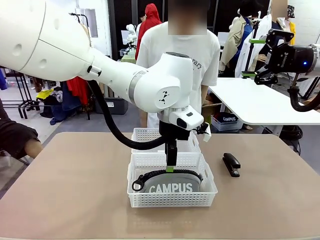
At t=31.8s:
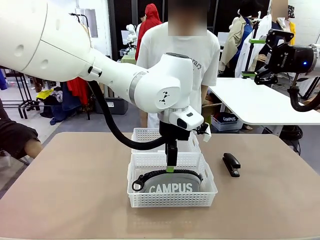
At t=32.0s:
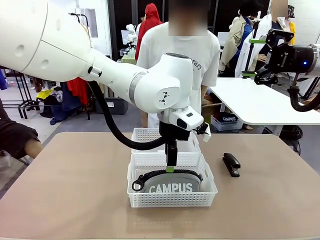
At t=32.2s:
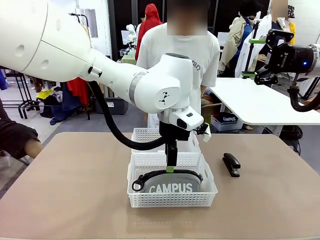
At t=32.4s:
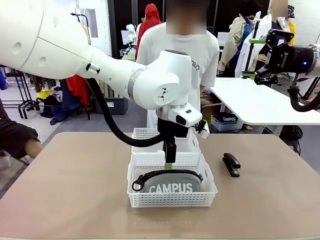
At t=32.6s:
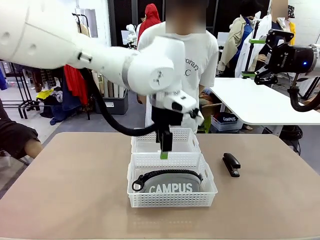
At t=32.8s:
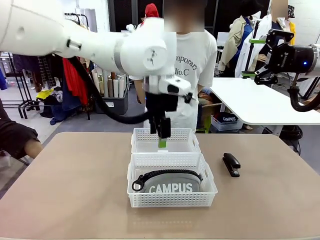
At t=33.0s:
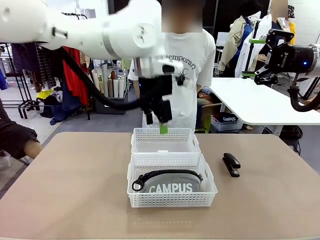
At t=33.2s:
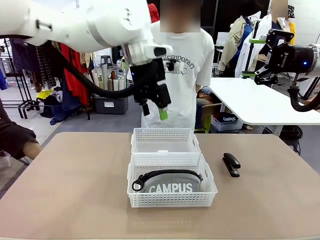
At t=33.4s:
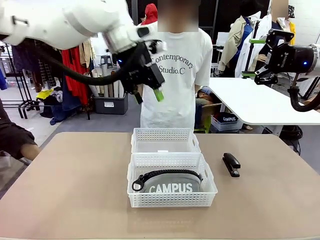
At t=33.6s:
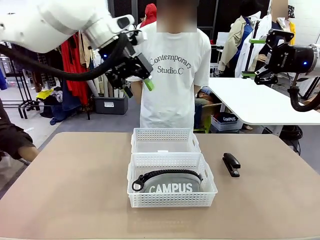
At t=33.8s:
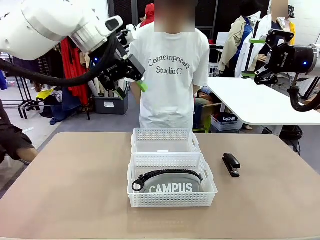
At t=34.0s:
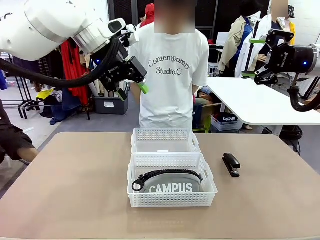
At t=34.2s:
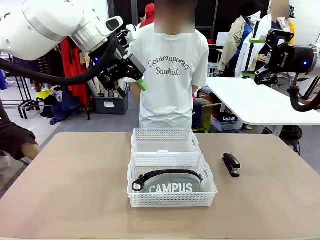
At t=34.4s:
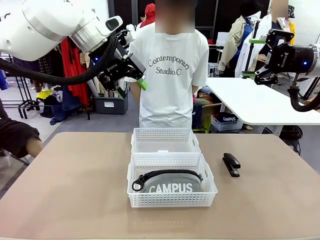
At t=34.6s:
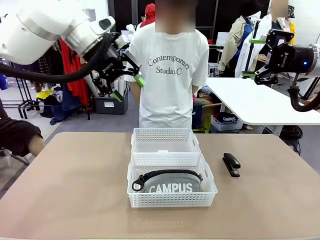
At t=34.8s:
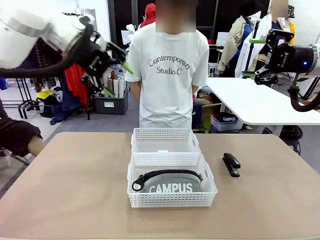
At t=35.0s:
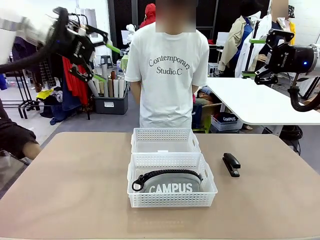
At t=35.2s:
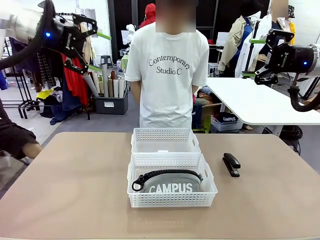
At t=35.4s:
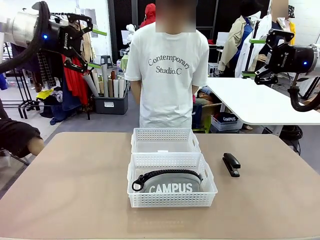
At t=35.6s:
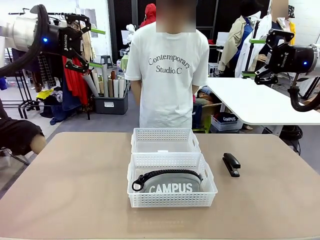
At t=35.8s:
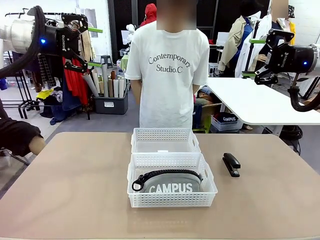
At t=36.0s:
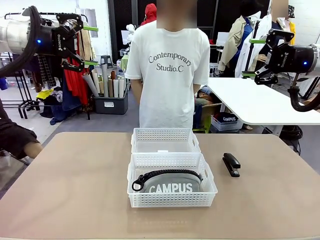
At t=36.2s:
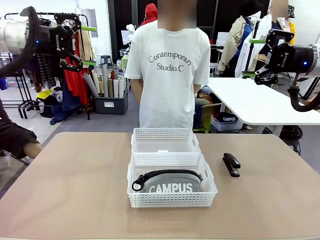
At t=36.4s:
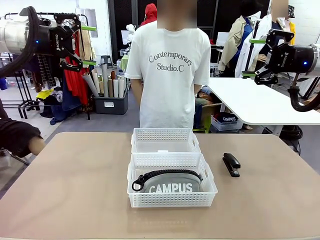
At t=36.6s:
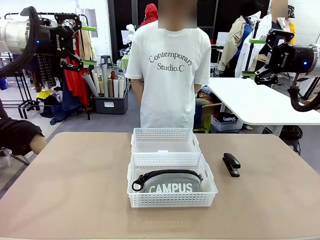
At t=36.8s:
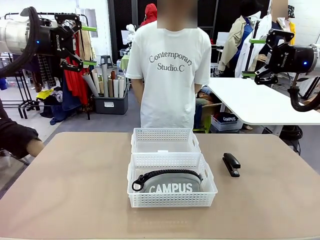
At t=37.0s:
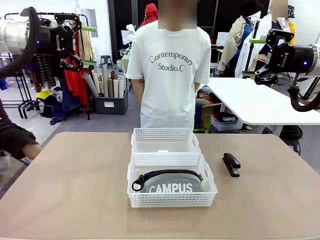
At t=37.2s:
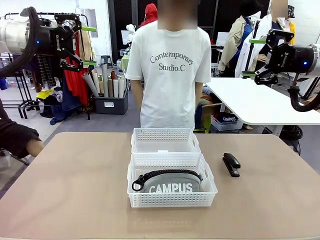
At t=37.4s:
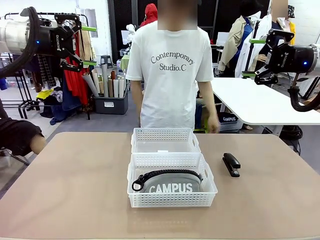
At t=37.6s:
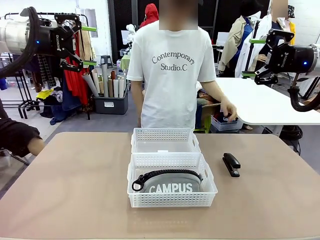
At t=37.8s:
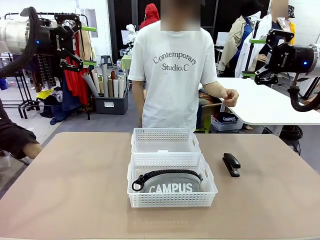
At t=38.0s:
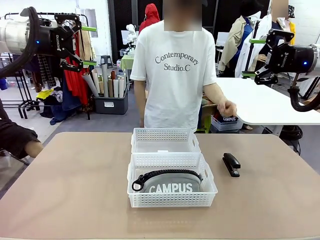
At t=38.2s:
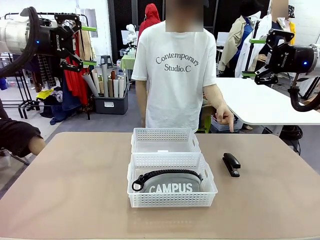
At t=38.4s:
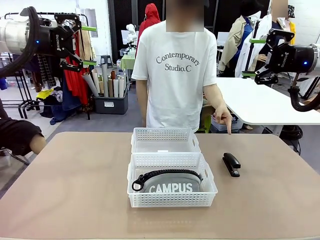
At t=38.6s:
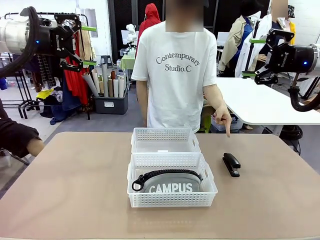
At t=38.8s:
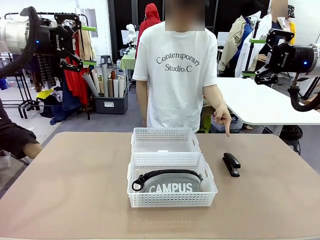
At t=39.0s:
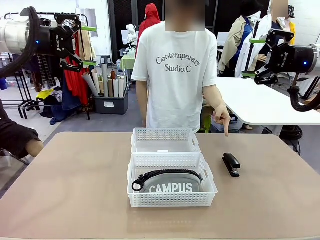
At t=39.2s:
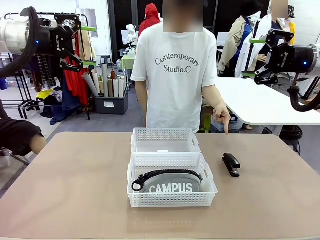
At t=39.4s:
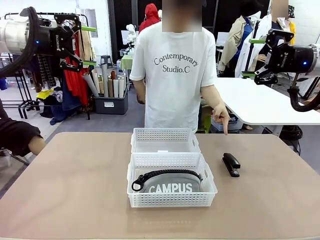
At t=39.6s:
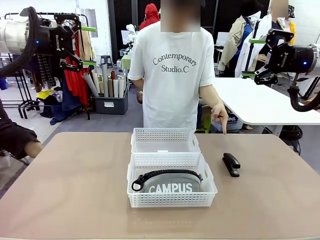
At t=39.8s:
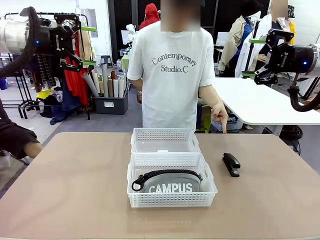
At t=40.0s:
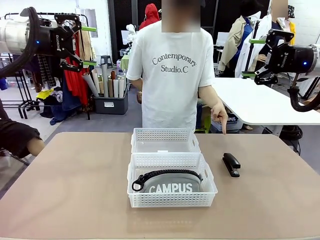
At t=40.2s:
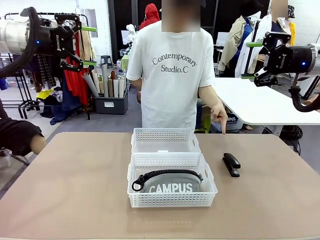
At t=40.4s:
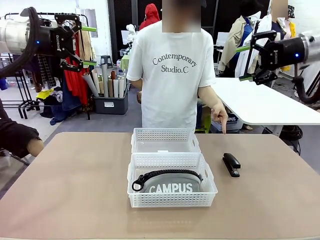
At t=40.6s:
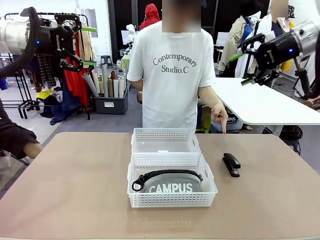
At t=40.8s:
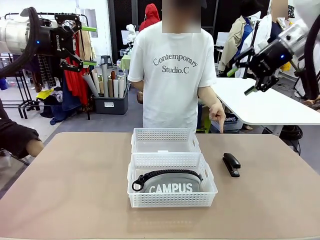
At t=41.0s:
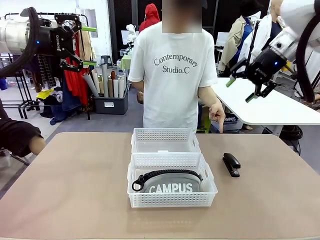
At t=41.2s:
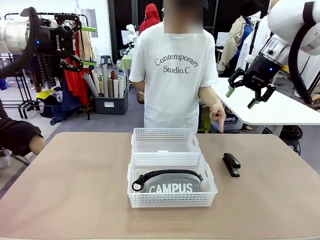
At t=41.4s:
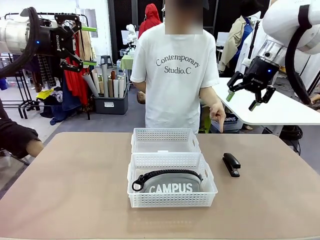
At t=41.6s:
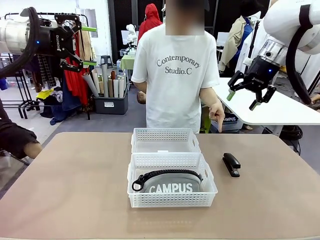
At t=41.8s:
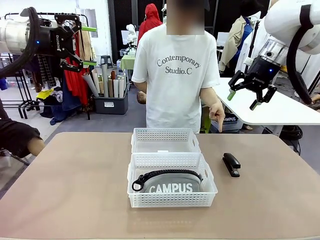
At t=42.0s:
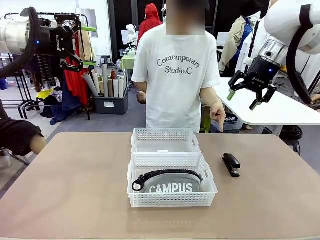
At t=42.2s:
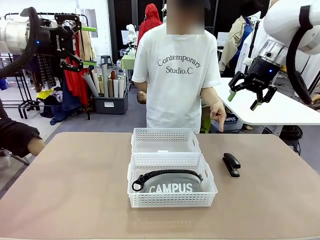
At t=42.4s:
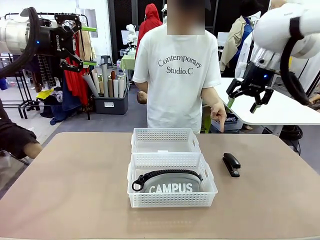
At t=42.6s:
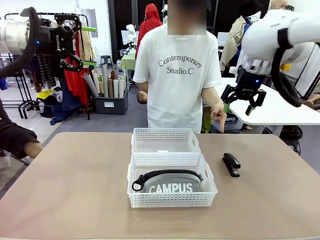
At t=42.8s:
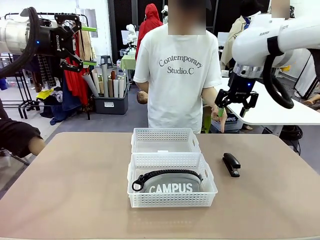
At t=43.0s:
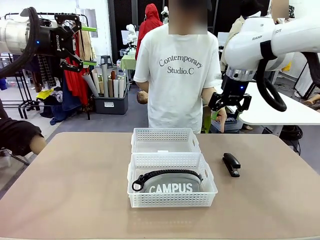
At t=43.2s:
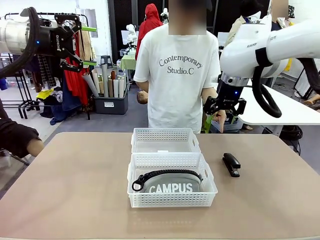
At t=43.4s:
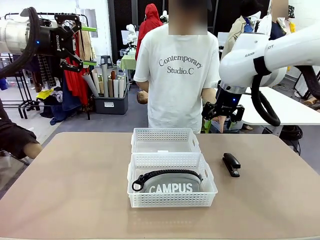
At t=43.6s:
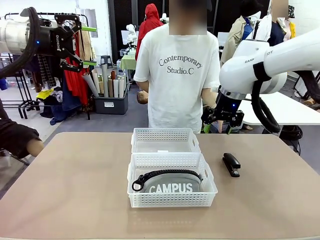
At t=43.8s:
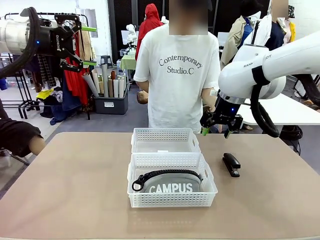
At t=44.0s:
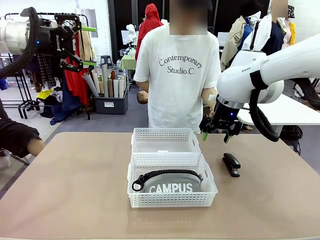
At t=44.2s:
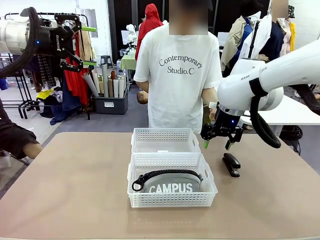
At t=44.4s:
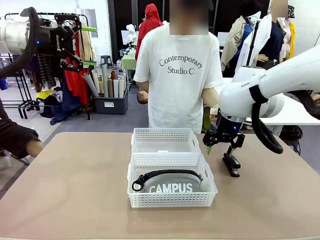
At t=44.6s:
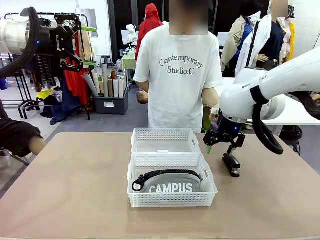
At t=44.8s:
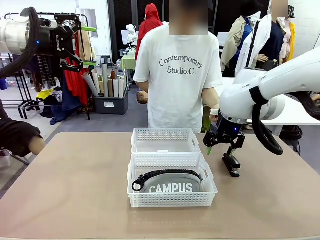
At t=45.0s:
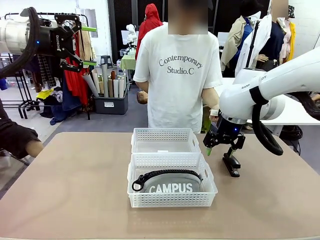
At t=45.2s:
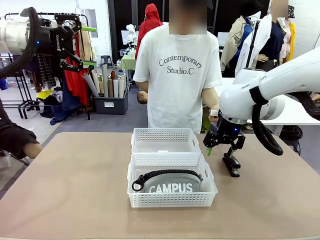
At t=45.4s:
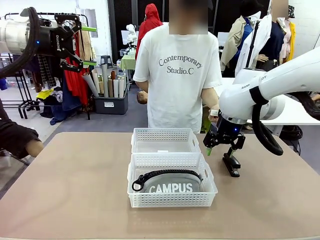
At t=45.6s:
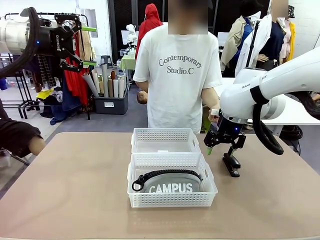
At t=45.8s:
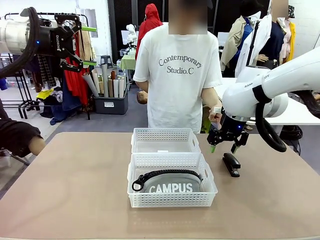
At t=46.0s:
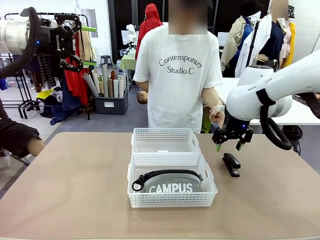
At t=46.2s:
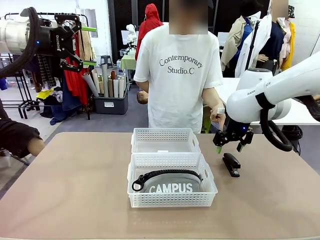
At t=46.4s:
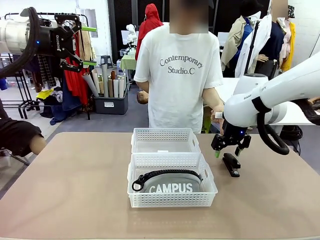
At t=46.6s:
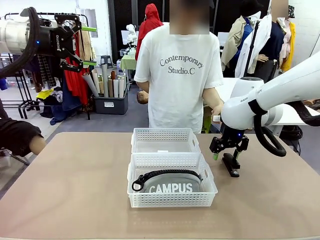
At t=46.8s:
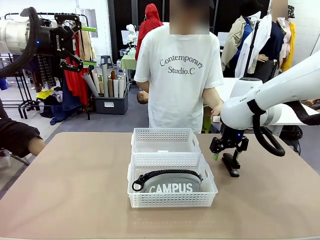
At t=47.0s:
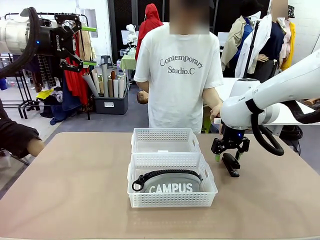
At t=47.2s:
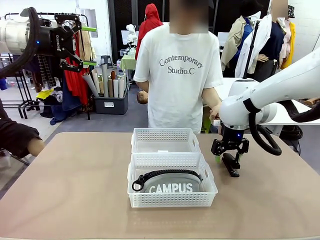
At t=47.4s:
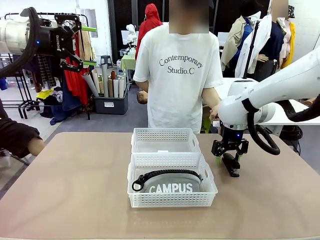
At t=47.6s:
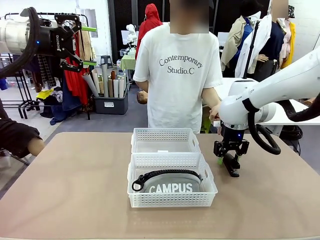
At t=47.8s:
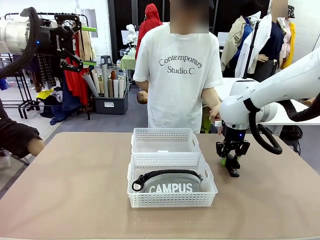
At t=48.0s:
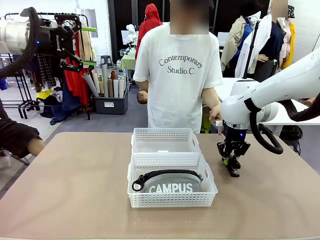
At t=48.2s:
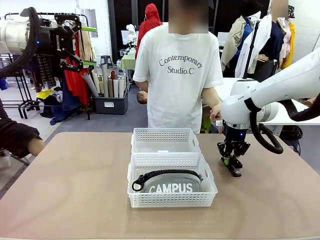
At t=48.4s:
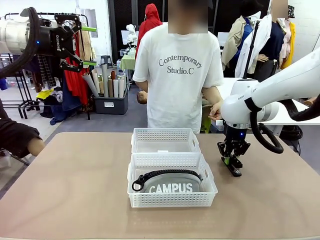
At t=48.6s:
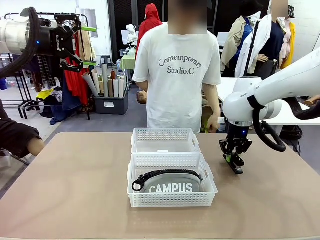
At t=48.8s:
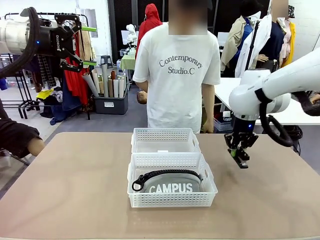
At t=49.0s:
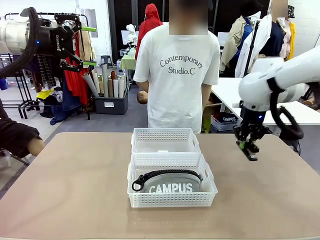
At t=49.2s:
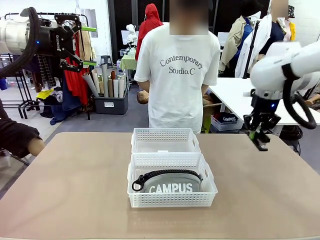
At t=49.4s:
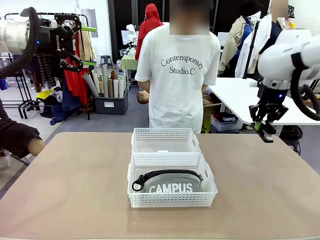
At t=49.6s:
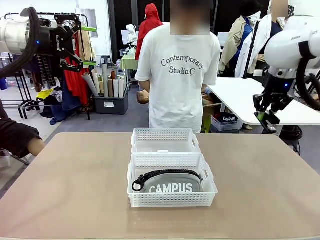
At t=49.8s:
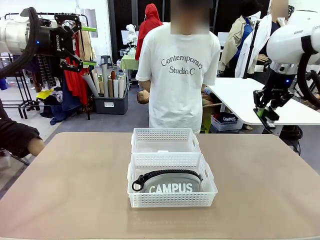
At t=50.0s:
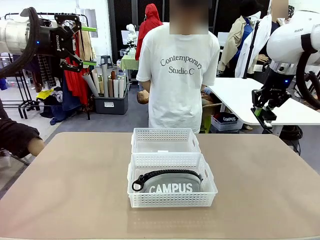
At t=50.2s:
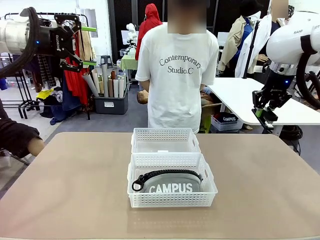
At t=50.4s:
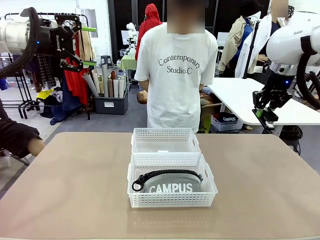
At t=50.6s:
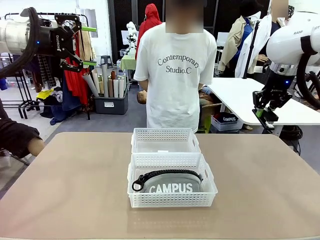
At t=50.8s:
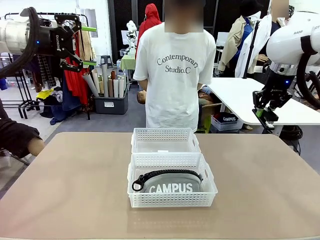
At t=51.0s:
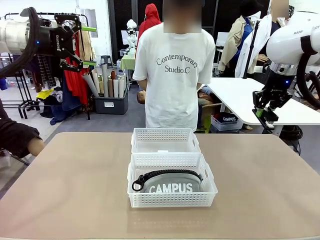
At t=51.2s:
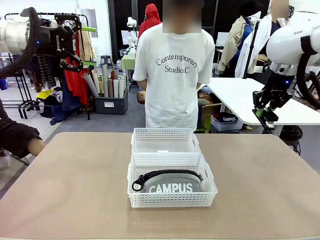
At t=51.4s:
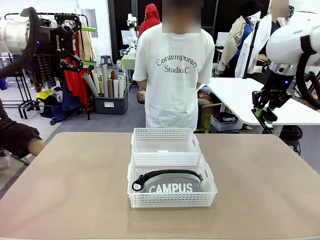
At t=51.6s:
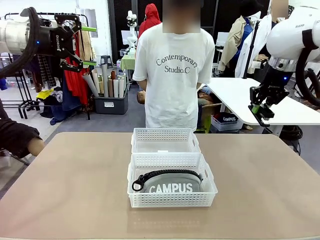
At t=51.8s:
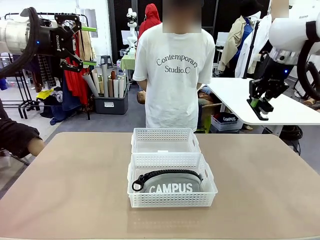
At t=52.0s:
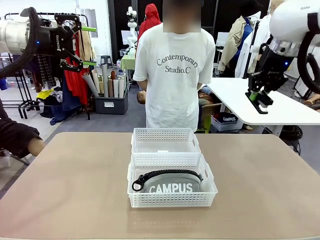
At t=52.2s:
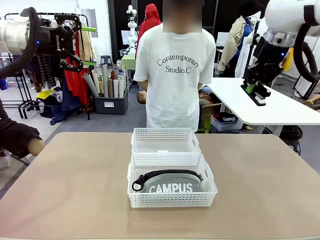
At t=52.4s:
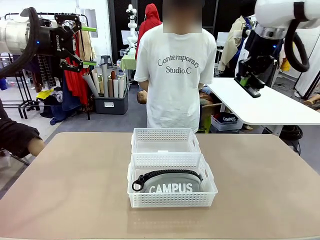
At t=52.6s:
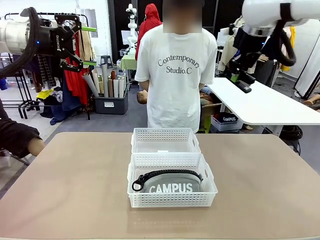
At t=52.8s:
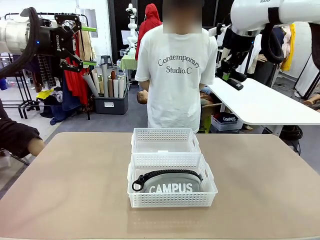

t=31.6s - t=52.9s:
Task: Distribute items into two baskets.
Robot: Pick up the Stapler that the person points to.
Person: Points to the stapler.
